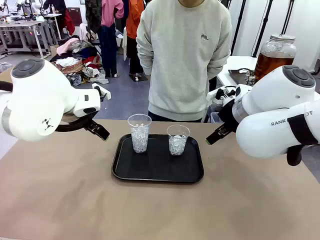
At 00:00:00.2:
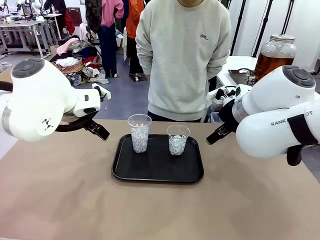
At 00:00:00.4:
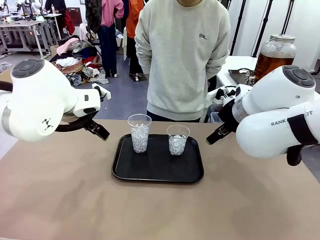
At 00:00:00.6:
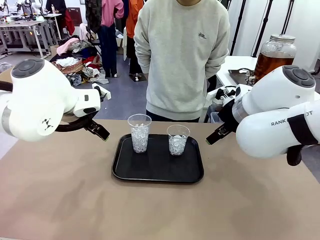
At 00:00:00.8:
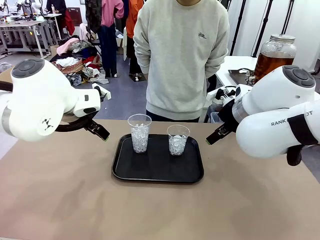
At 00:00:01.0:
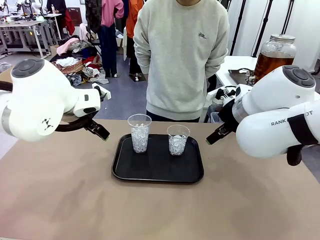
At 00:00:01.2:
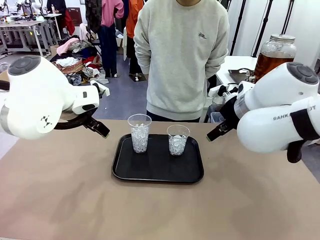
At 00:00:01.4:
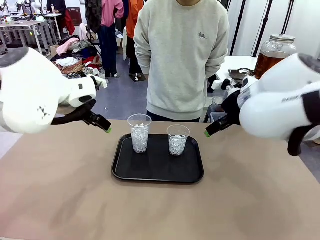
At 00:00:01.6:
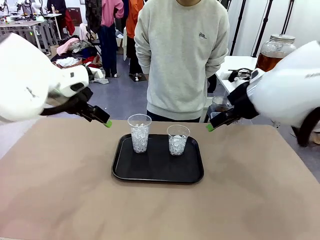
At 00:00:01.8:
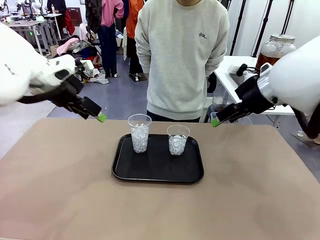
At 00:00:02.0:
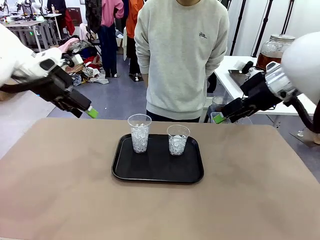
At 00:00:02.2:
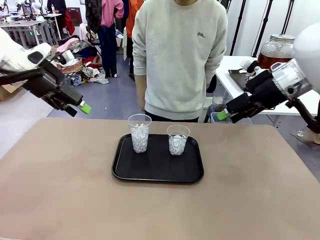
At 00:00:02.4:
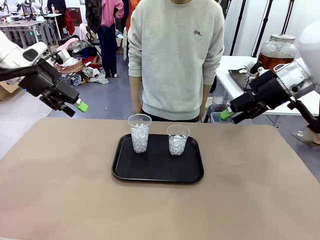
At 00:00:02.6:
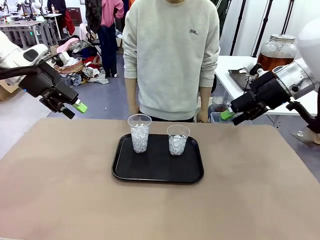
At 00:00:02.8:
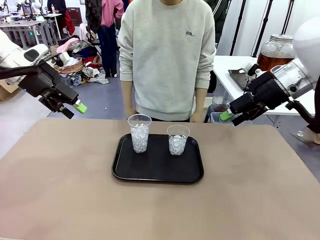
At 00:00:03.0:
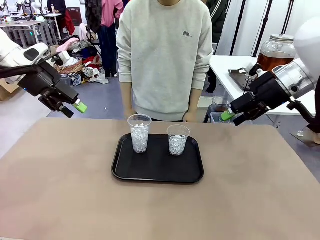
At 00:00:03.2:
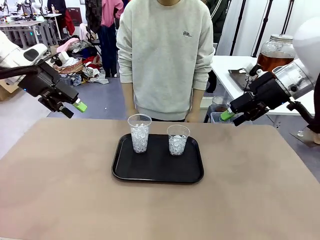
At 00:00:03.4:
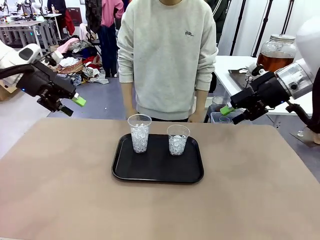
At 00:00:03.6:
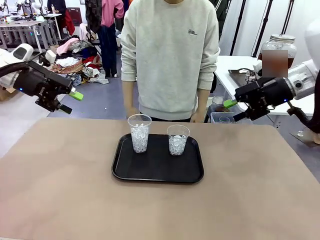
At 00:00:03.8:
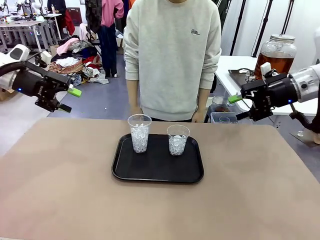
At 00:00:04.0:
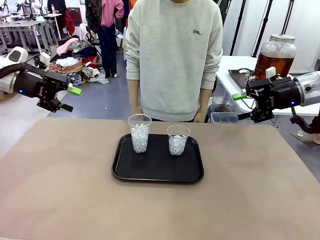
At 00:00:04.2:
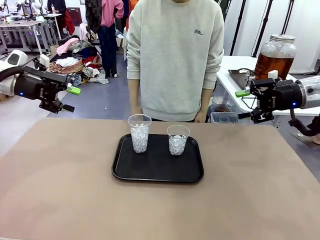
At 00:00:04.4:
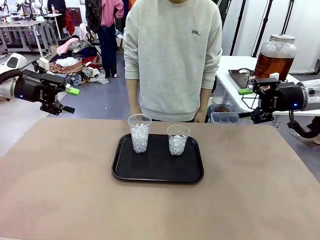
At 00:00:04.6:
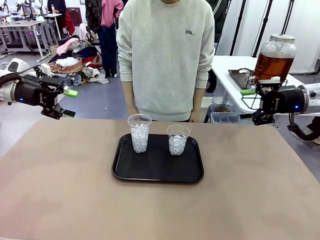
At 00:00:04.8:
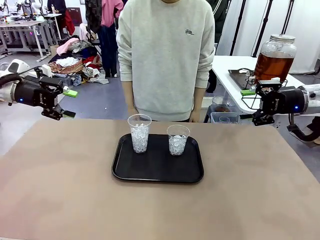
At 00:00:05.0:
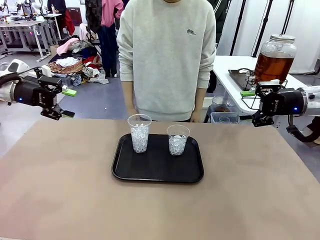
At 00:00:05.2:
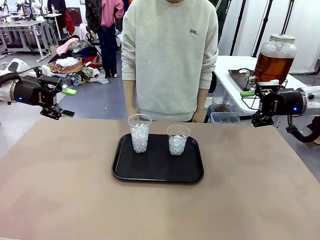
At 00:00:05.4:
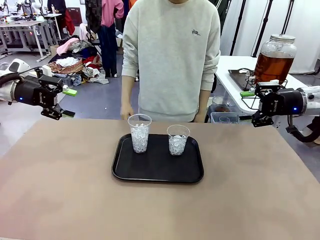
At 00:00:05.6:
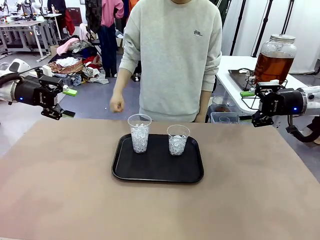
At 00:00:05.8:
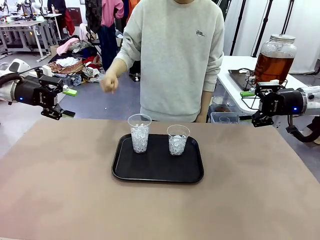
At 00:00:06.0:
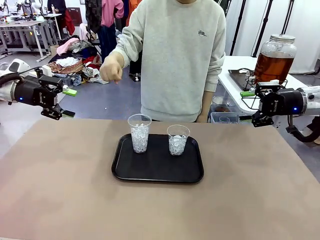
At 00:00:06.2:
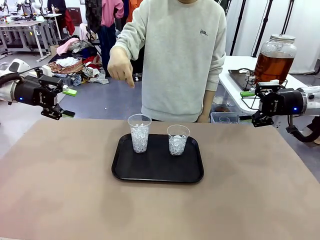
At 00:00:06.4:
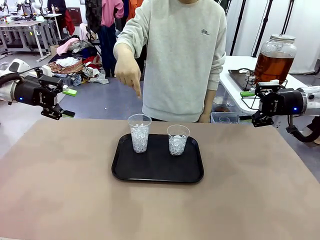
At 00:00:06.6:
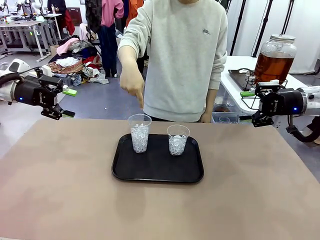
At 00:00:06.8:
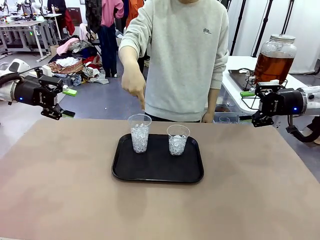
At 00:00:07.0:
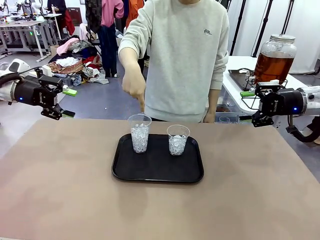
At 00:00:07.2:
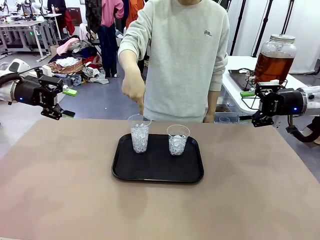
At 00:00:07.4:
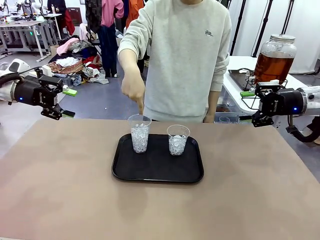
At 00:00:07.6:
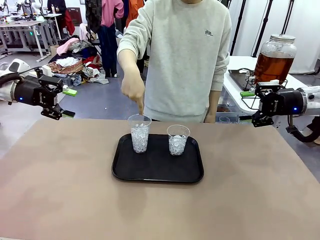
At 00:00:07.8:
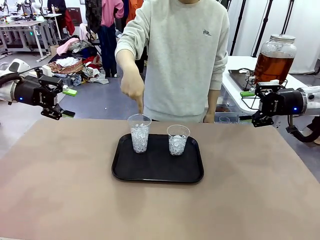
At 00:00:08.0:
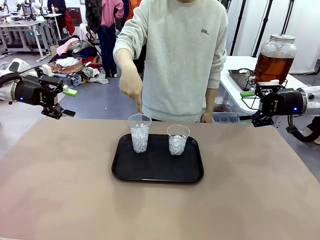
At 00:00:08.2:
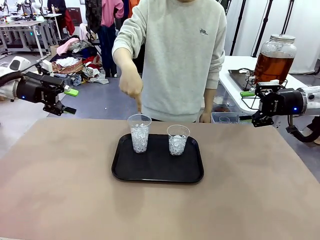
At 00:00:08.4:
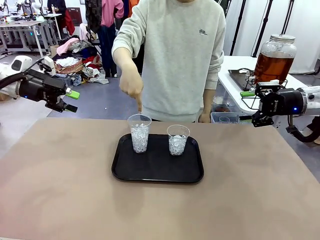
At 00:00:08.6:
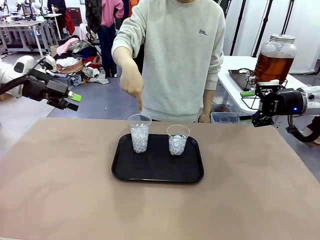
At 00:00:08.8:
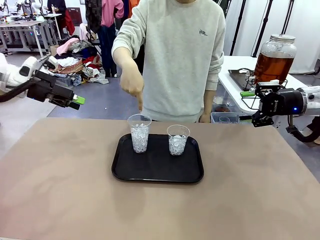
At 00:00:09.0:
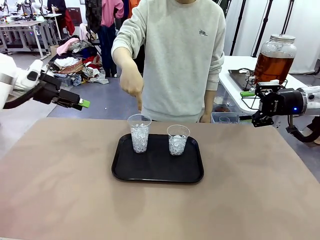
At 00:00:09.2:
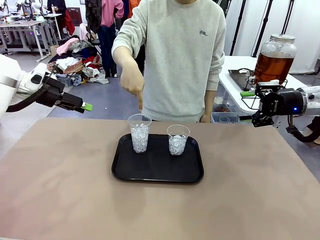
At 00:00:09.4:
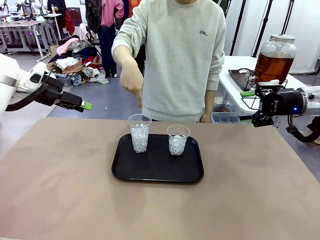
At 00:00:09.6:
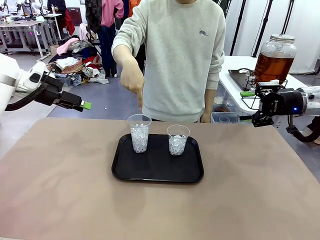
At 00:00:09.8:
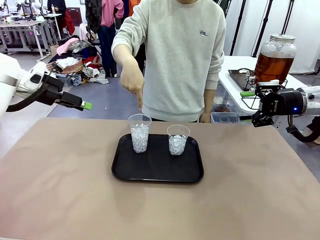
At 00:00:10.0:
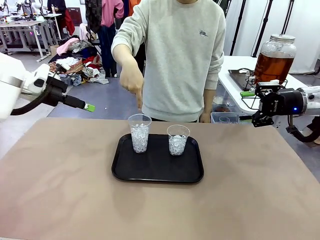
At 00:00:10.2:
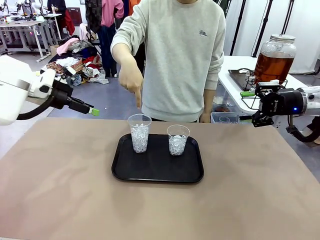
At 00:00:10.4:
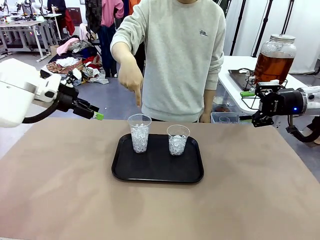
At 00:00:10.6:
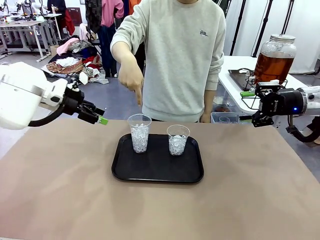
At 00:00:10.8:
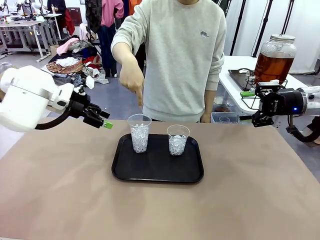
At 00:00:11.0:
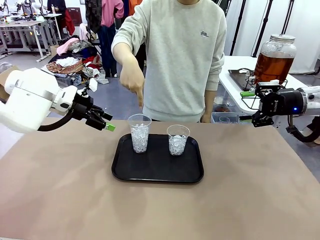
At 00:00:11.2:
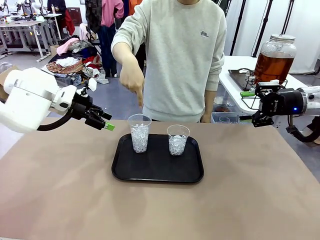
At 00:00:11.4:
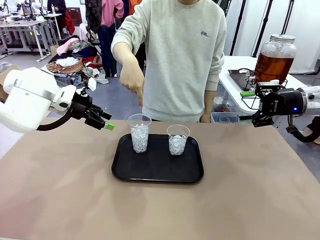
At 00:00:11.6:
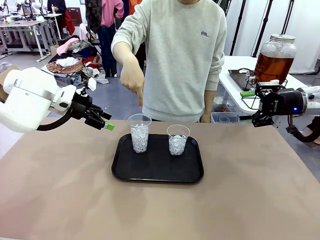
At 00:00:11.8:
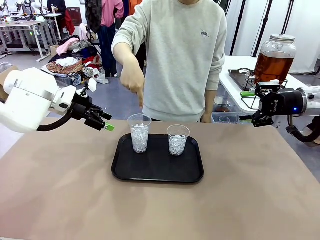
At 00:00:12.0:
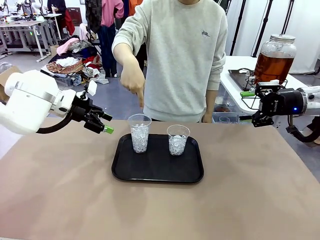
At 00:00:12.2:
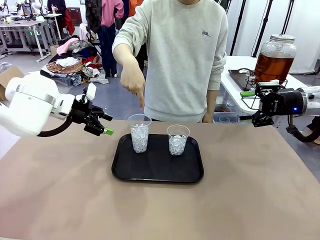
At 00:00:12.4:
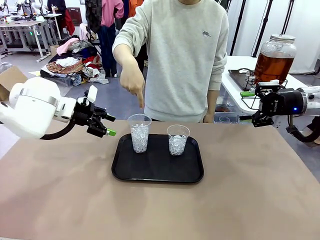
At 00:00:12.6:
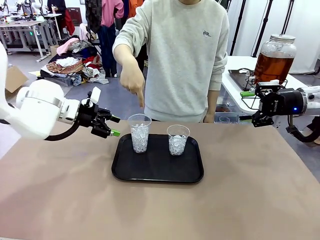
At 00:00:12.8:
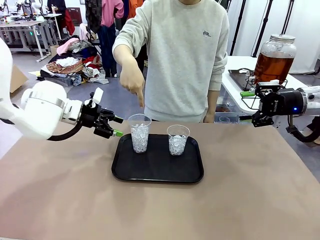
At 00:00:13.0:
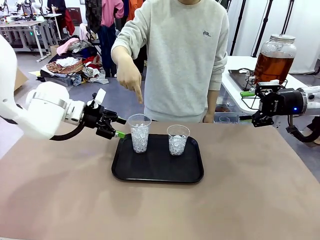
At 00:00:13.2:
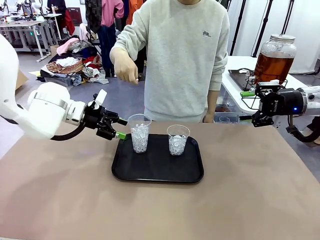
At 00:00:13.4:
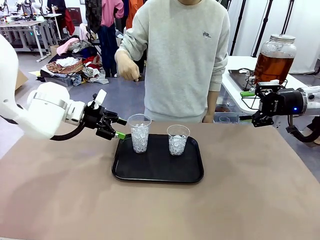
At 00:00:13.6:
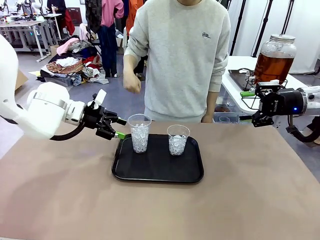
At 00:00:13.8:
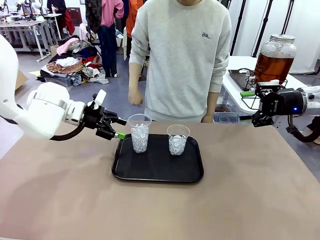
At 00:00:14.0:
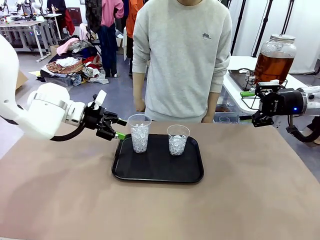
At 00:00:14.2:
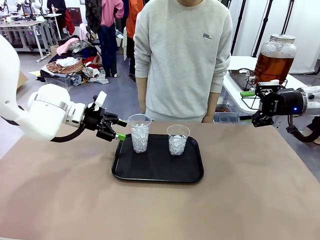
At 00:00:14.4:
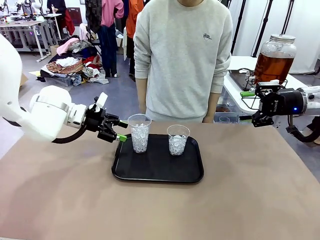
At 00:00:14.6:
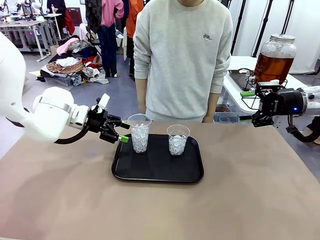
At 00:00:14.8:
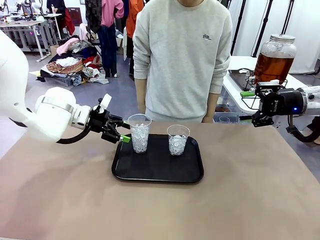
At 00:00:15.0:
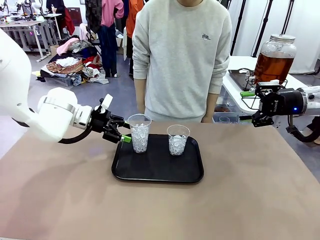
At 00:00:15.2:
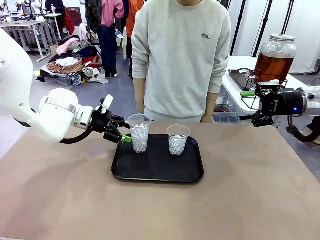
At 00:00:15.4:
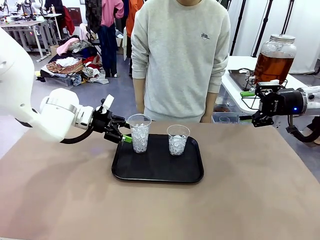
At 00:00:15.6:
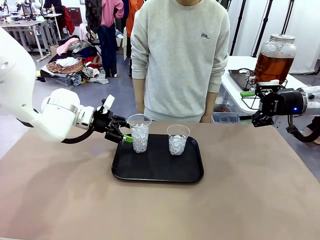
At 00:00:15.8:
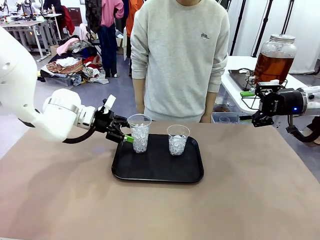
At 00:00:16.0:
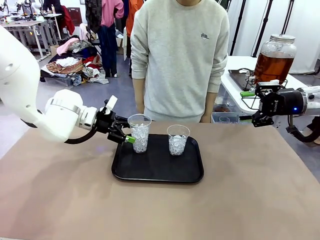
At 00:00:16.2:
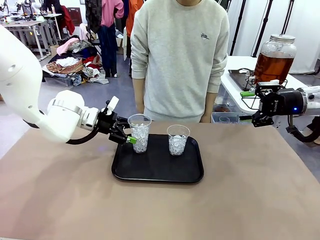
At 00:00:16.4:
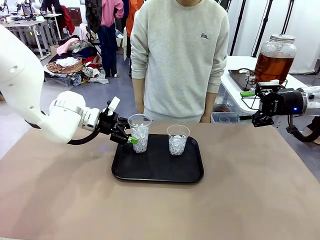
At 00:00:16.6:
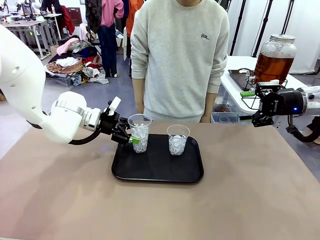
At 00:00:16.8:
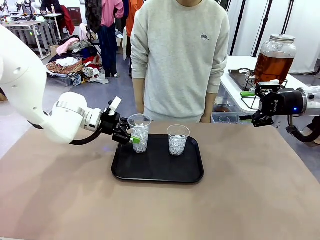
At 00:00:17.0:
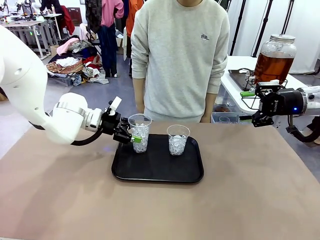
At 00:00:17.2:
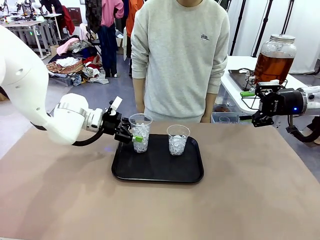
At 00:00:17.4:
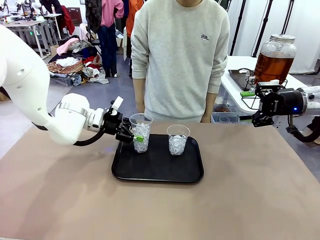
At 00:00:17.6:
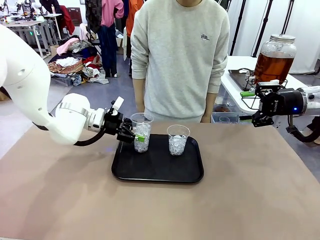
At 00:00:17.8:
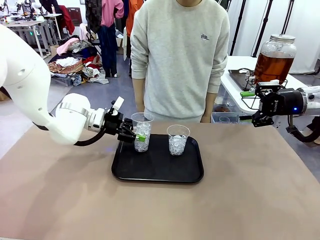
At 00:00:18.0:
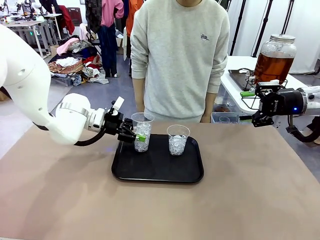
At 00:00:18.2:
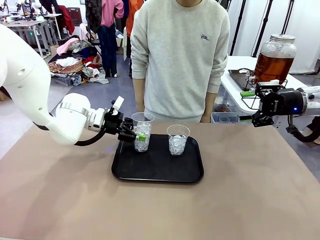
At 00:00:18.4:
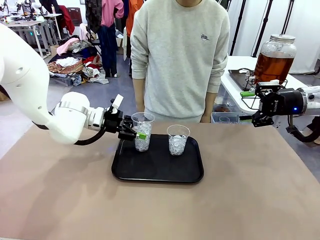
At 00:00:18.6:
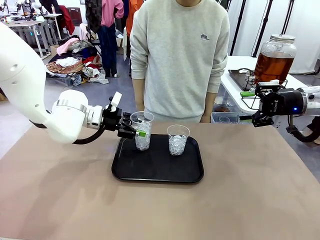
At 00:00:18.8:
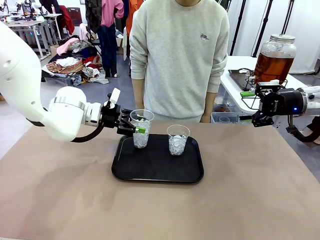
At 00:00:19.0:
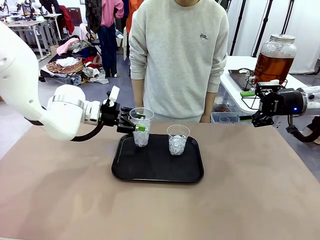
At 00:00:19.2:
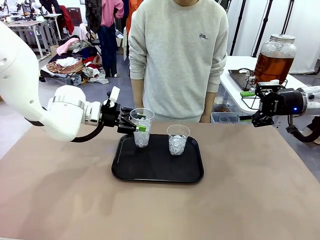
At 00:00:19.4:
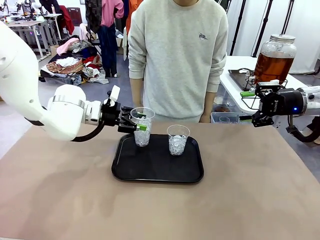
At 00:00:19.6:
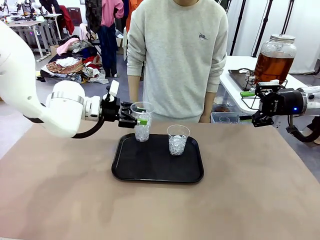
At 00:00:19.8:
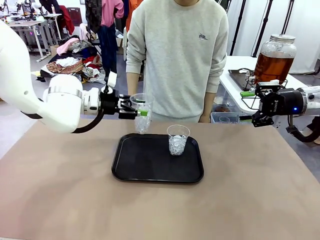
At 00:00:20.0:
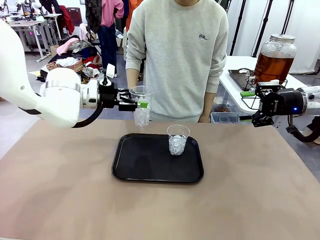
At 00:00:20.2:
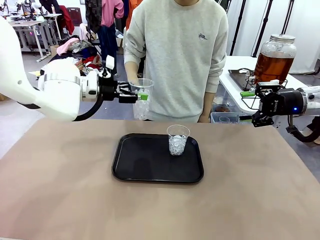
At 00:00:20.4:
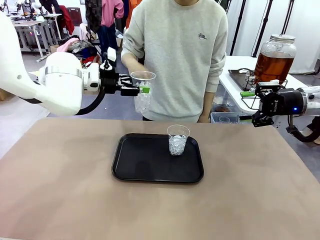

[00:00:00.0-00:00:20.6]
Task: Pour the drink into the iced cup.
Robot: Pick up the iced cup indicated by the human and present it to them.
Person: Point to one of the two ice cups. Pick up the cup offered by the robot.

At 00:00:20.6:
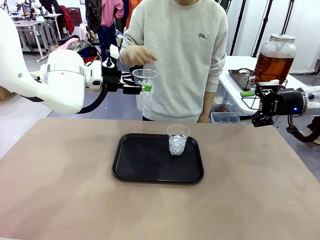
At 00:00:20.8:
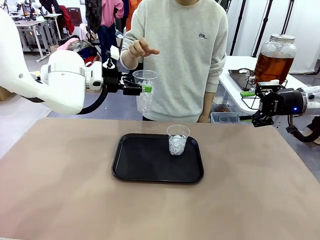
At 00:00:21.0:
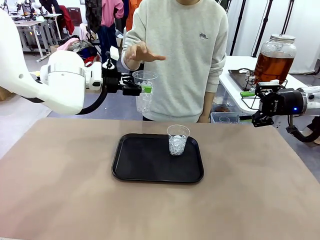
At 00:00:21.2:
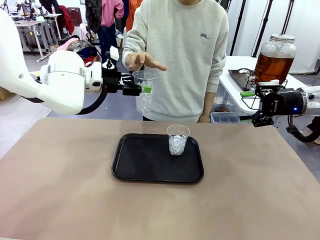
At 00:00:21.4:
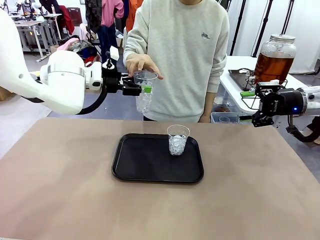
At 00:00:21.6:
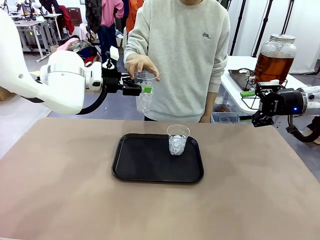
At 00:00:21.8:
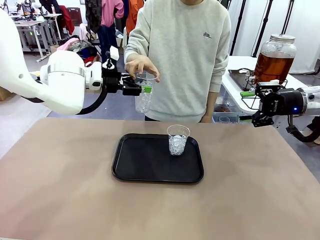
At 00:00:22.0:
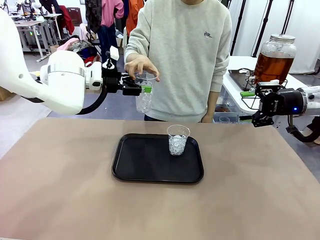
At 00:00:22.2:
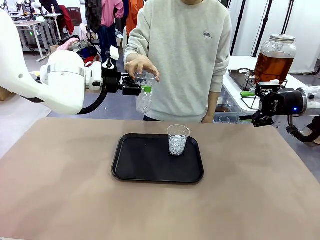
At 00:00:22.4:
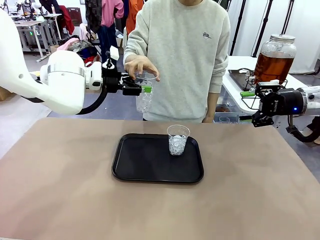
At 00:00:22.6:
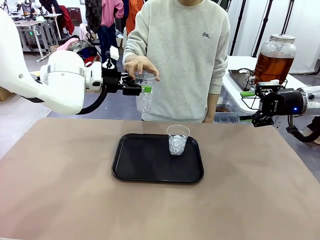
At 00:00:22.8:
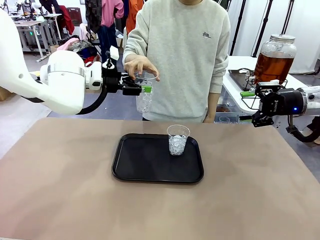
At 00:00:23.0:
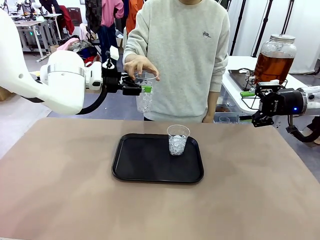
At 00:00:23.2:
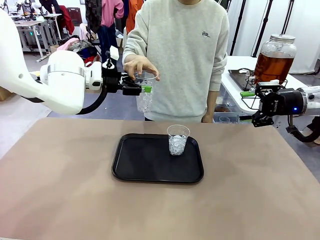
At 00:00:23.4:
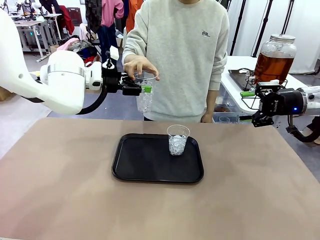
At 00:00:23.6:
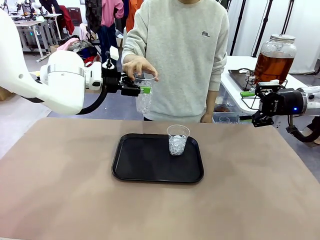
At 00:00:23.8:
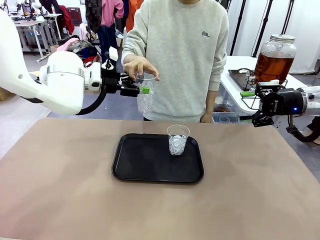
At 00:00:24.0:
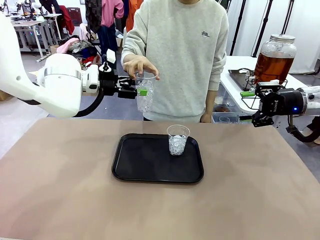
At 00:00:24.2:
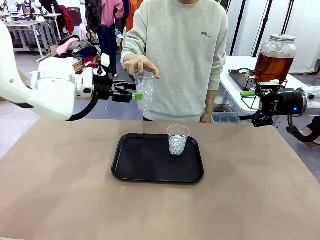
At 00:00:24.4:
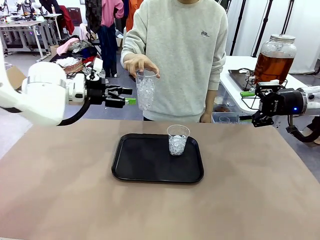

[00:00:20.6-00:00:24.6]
Robot: Open the gripper to release the iced cup you were holding.
